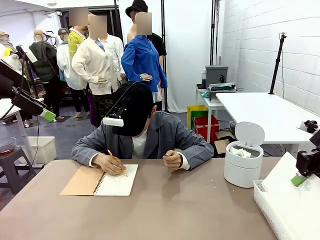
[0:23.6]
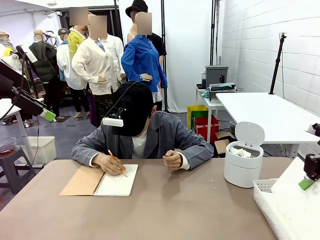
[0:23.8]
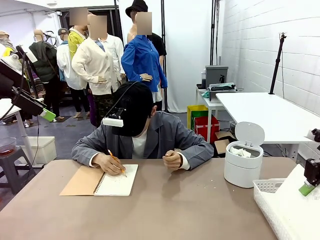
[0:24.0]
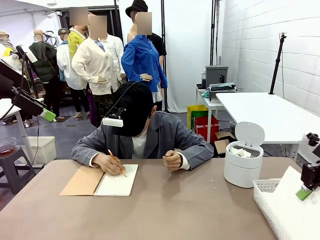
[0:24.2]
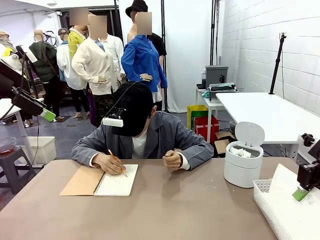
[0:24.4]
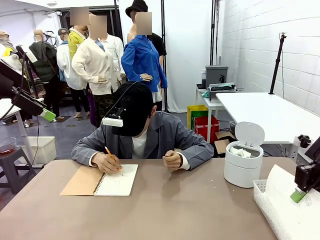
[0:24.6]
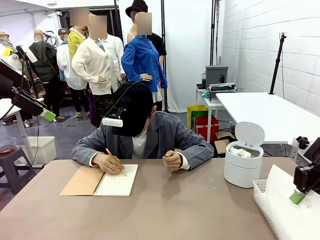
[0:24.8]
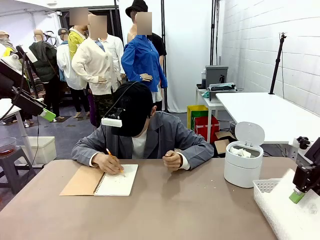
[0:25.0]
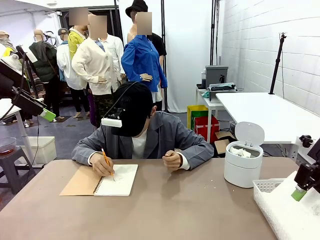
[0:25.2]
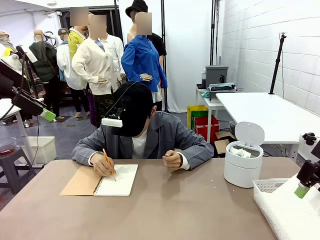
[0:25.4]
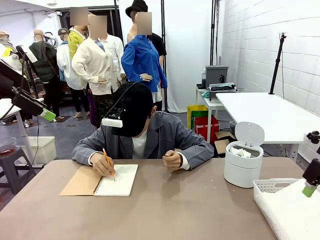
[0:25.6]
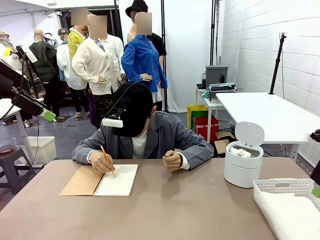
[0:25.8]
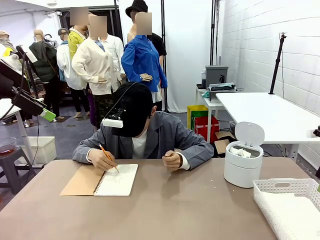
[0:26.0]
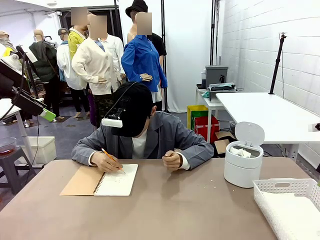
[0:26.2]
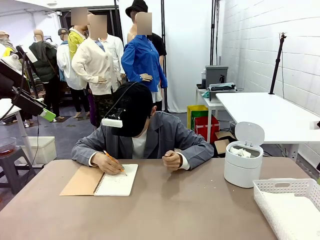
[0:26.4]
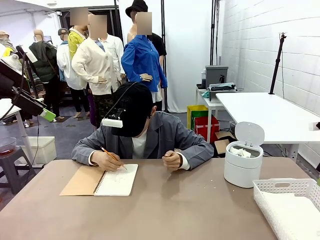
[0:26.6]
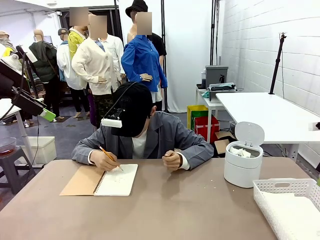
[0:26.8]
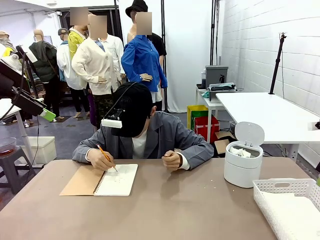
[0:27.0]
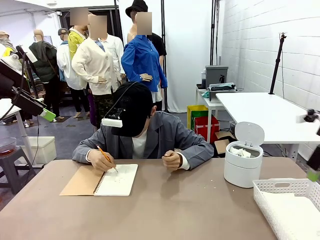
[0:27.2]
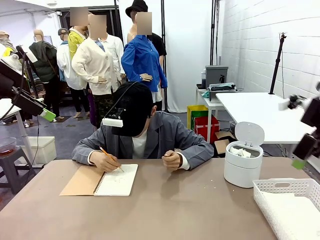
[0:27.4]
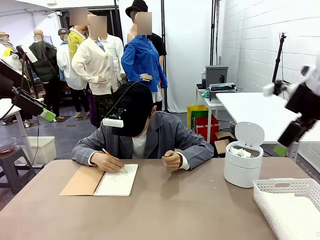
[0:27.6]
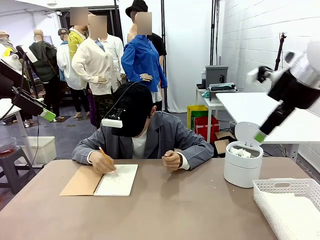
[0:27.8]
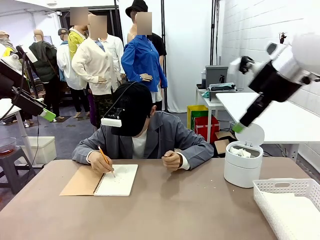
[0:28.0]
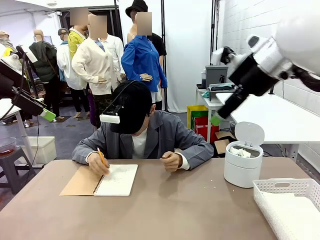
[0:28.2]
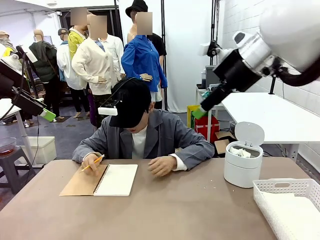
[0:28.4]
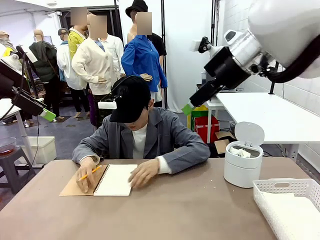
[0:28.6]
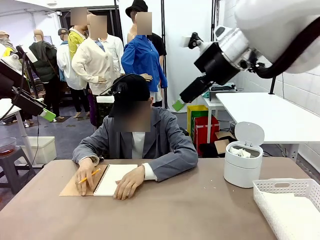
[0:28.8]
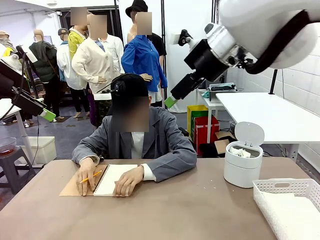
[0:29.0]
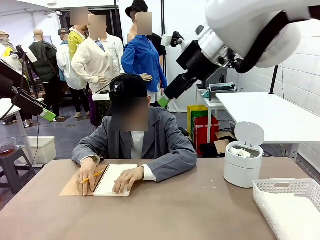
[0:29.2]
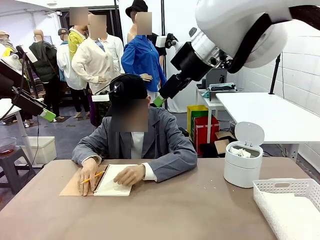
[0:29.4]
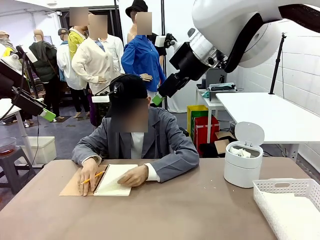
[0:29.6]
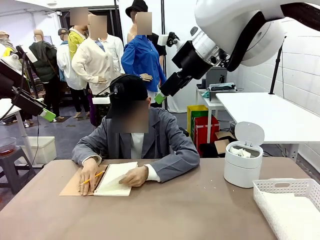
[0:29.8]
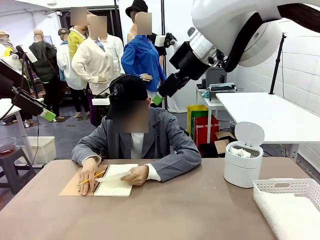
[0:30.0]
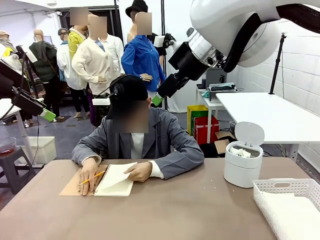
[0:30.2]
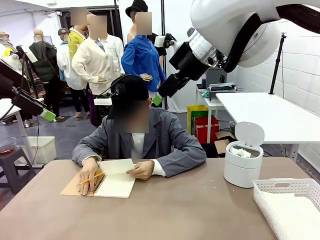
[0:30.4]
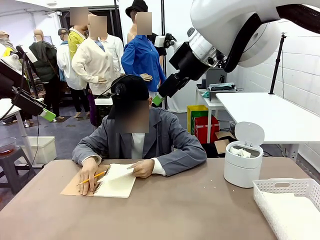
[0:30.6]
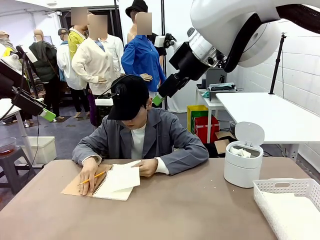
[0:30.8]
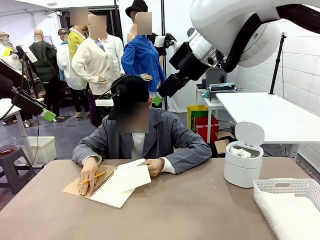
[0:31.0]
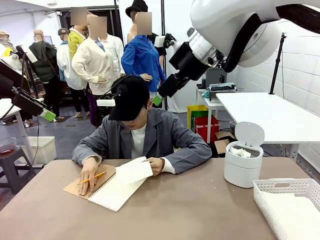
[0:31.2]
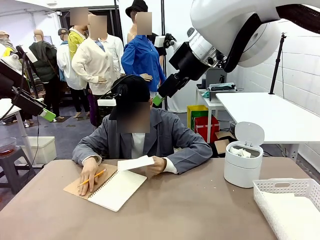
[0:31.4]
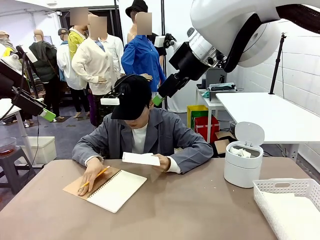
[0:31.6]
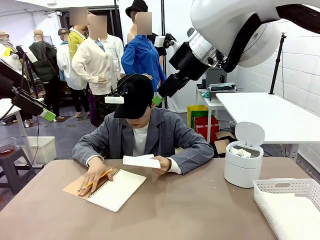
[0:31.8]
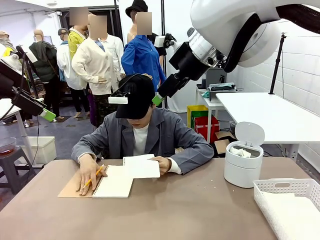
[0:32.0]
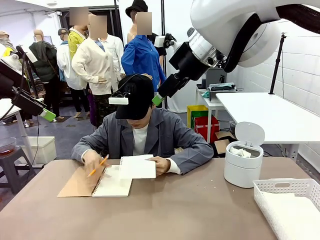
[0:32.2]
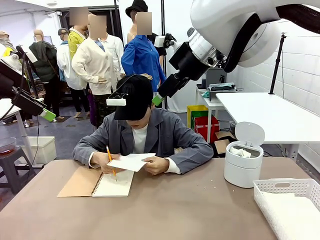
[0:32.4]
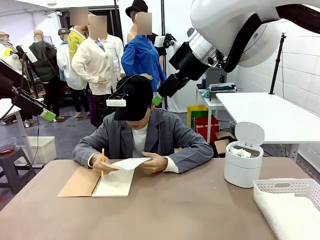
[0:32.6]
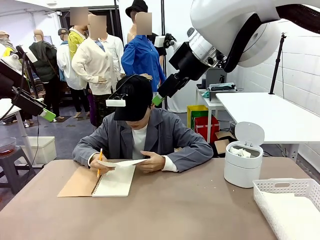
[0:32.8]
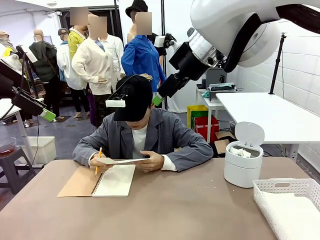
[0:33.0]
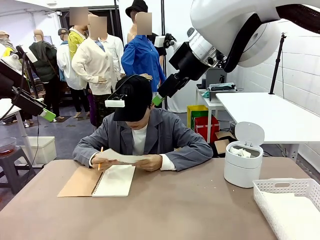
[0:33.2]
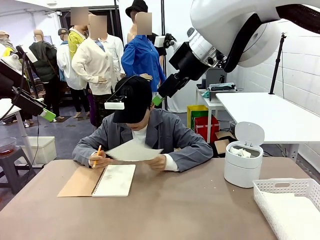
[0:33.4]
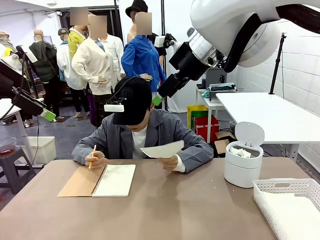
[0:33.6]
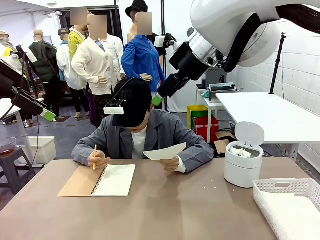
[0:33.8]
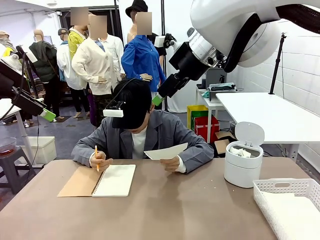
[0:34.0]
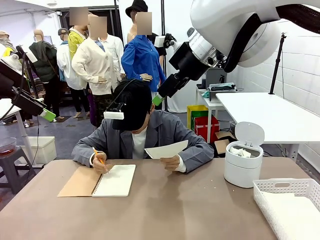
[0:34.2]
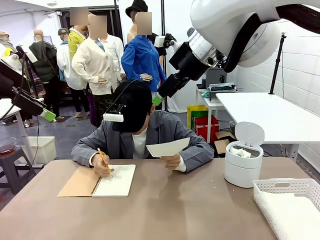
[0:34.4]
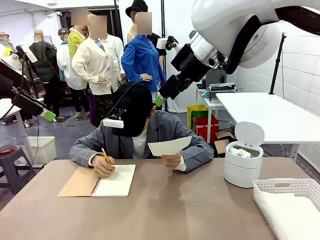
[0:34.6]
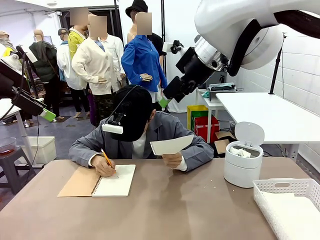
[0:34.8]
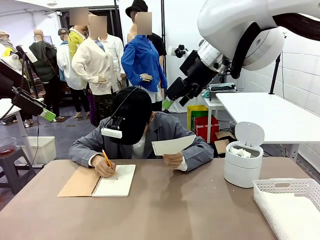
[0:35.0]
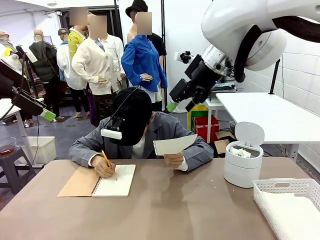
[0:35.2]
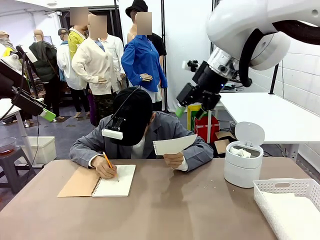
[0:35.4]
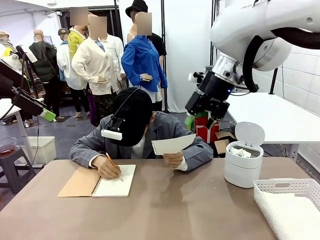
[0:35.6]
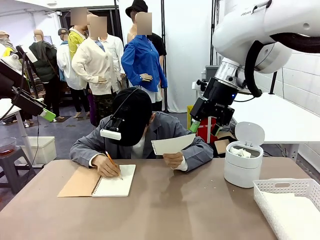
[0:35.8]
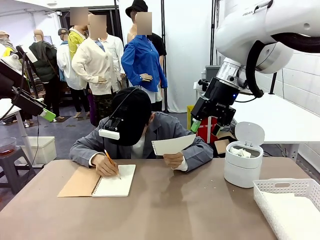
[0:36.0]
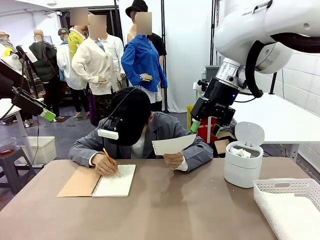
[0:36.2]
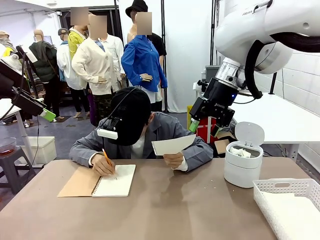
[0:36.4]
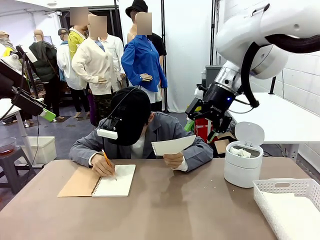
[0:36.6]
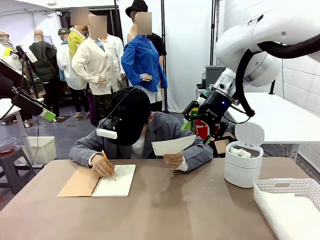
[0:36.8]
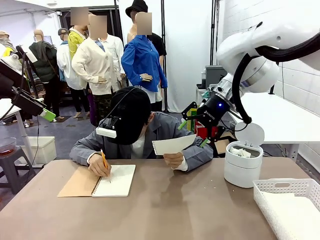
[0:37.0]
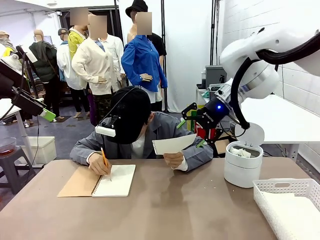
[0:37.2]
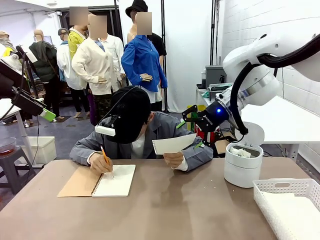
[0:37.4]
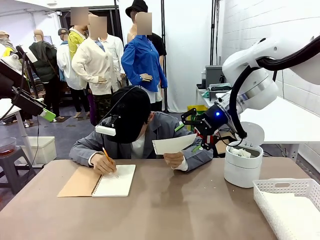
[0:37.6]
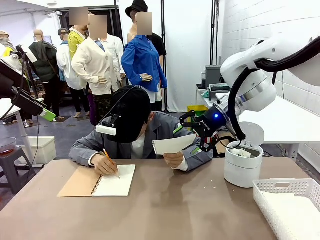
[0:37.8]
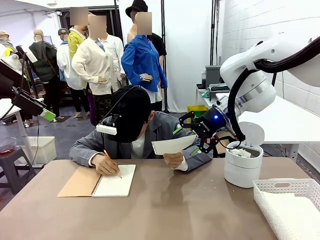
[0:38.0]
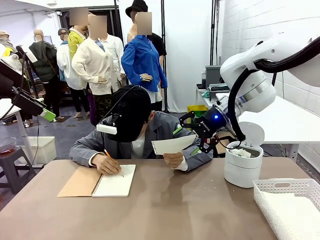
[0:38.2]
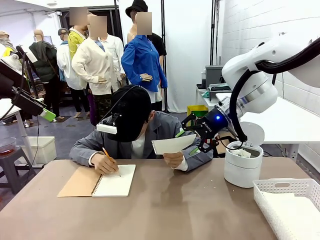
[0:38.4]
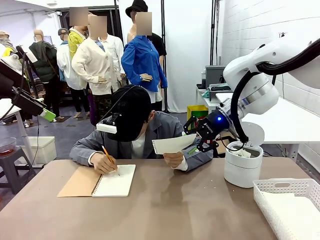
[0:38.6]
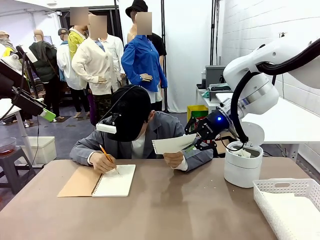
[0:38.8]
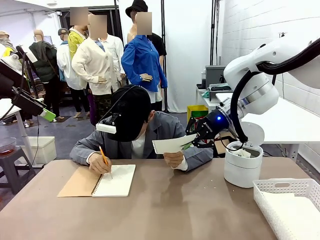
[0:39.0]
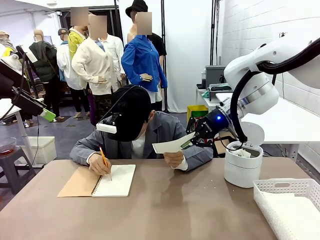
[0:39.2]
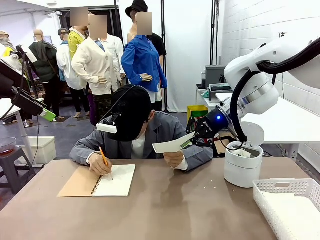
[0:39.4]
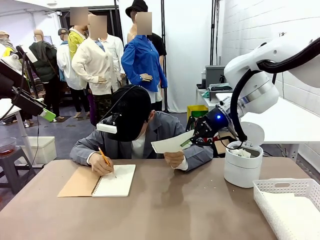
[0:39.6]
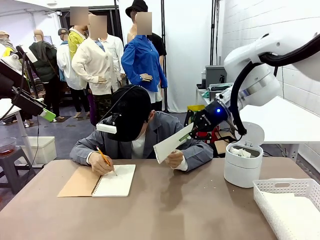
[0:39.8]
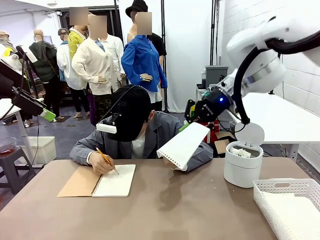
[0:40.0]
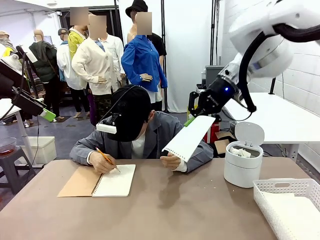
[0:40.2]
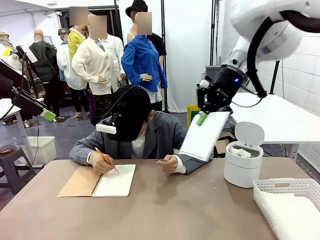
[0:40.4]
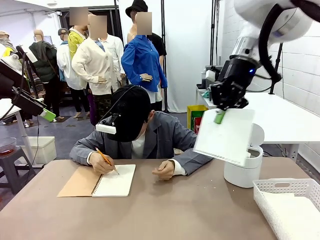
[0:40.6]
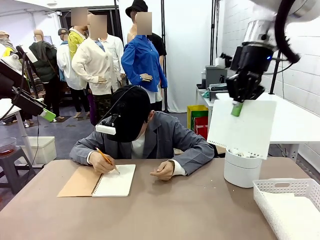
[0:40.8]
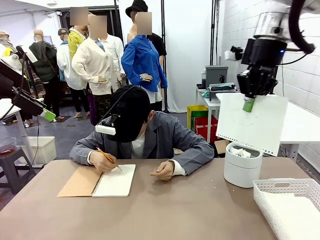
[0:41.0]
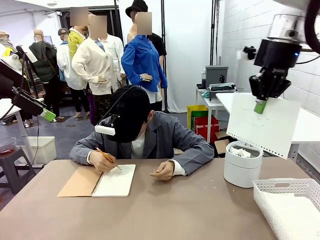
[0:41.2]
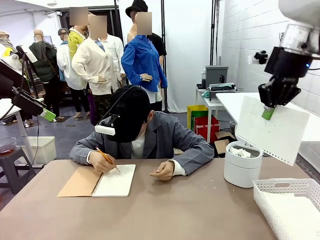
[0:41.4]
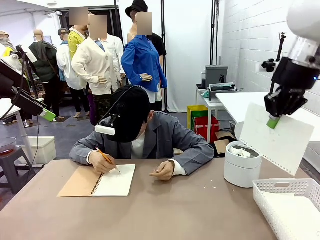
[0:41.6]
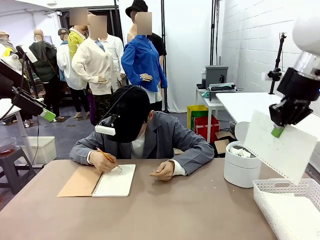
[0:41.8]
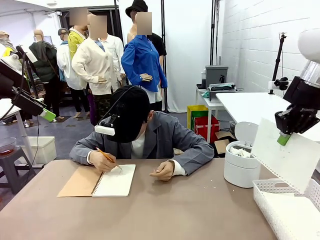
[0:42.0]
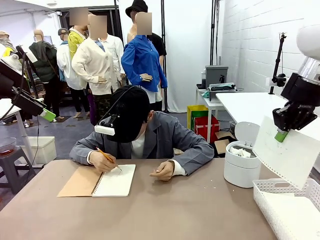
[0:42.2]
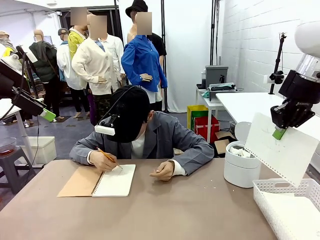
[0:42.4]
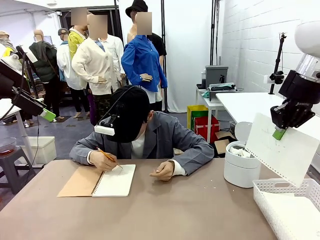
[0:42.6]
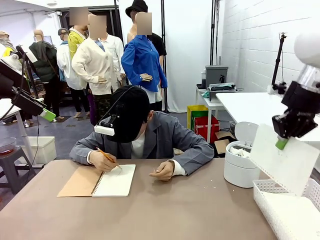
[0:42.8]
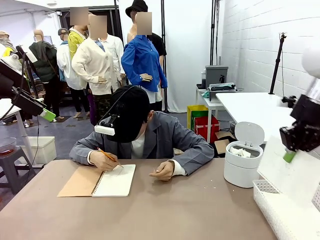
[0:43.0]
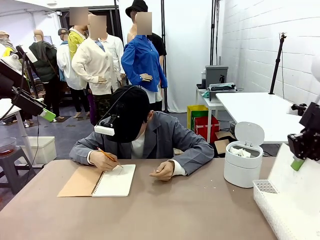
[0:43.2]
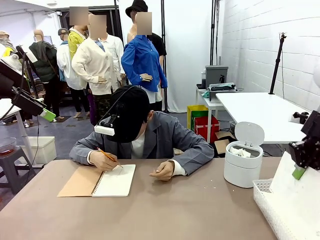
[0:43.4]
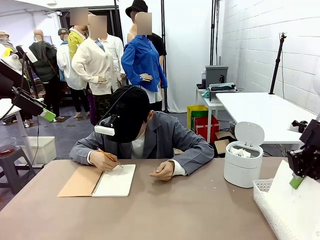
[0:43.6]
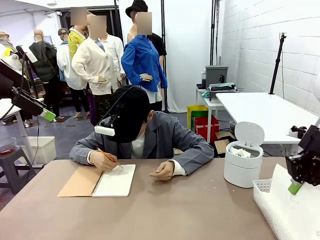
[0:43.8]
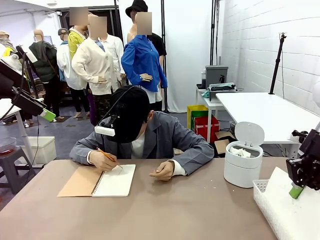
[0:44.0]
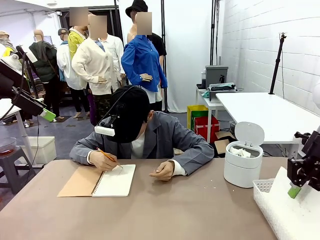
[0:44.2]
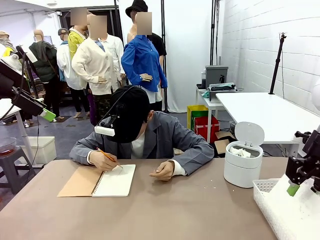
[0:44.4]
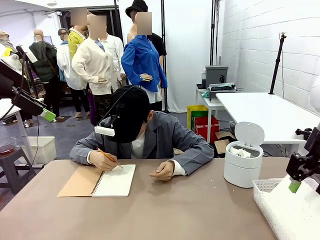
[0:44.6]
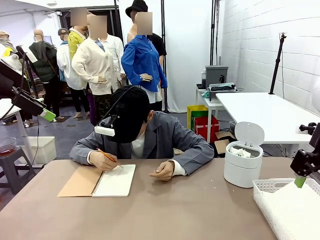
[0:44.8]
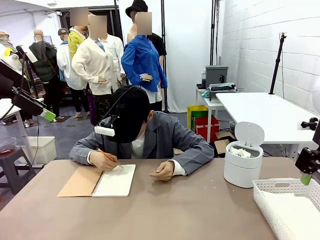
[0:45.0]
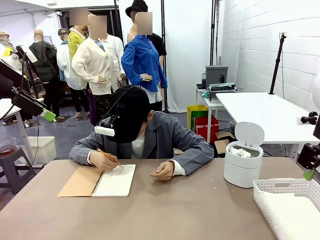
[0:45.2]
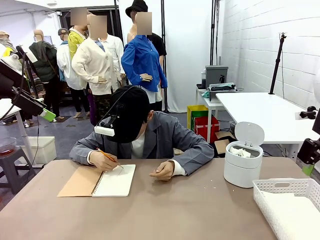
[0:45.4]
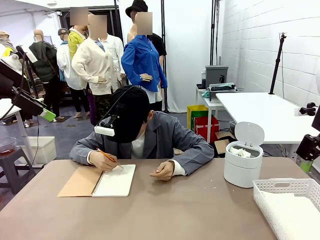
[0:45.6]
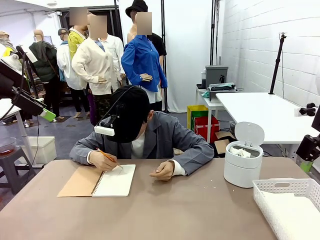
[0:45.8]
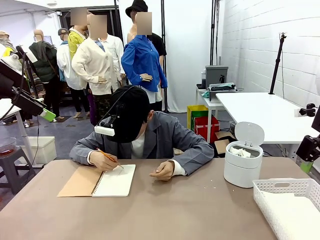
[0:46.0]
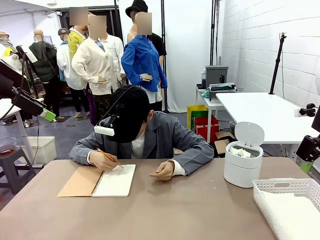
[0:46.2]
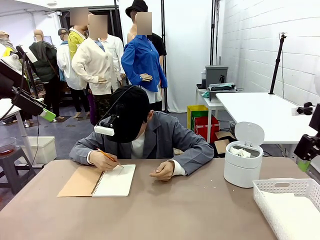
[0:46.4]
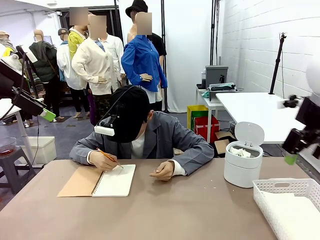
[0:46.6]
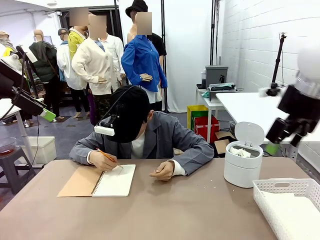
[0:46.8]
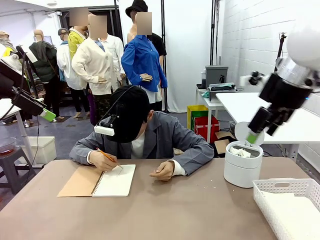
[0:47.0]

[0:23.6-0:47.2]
Task: Sort the paper based on its condition.
Robot: If a person hands you a paper, place it in the Organizing basket , and if it's crumpled, put it in the Trash can.
Person: Hand the torn page to the robot or crumple it and throw it to the center of the table. Tear out a page from the spiral notebook.
